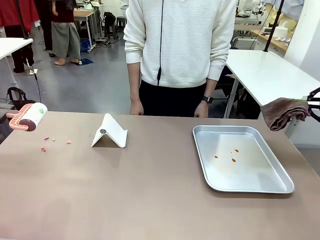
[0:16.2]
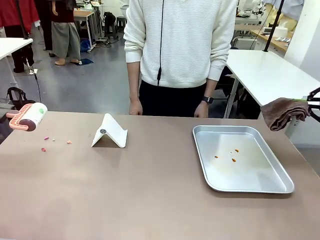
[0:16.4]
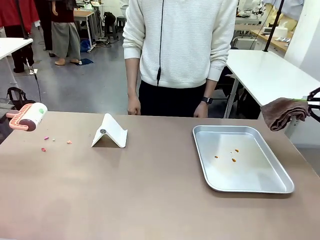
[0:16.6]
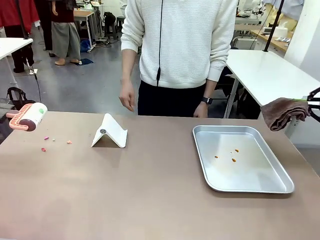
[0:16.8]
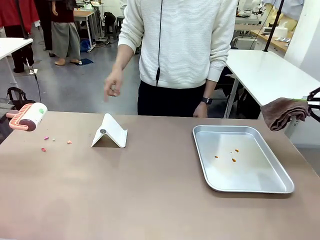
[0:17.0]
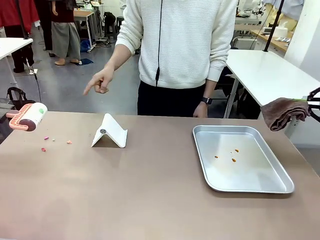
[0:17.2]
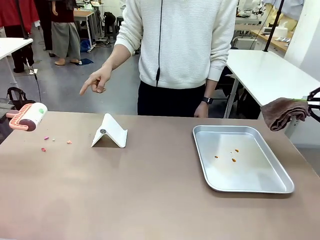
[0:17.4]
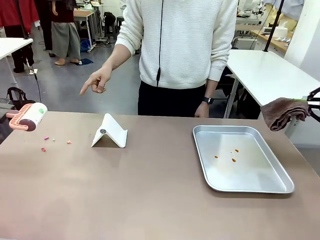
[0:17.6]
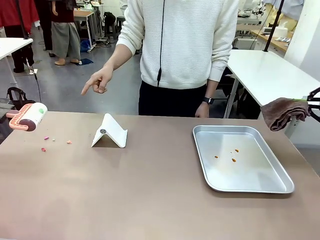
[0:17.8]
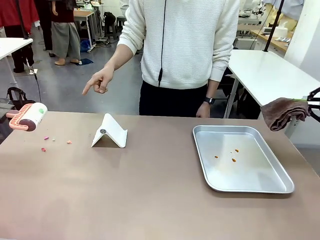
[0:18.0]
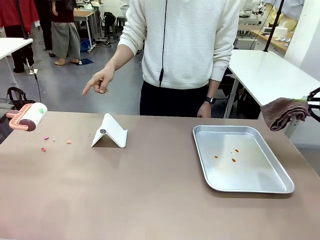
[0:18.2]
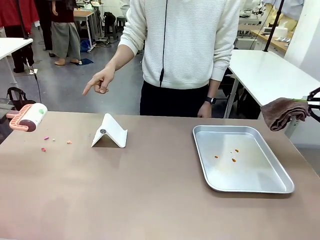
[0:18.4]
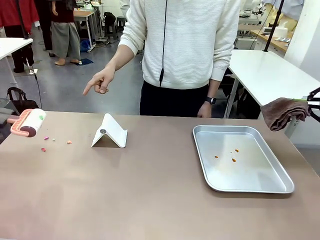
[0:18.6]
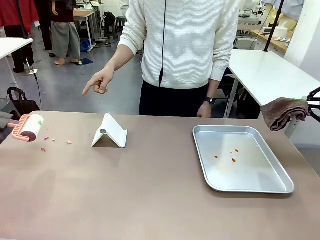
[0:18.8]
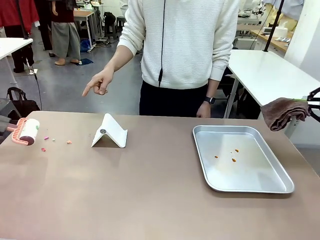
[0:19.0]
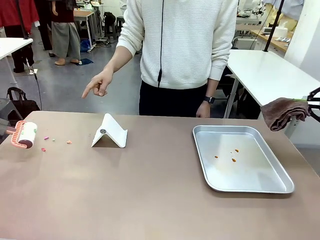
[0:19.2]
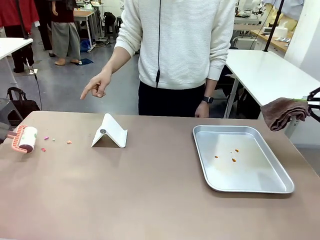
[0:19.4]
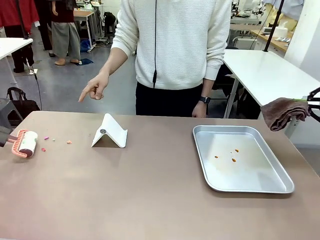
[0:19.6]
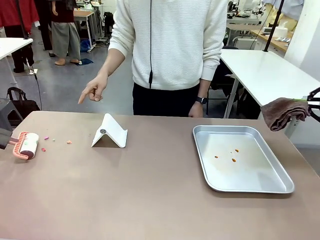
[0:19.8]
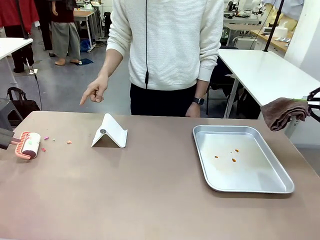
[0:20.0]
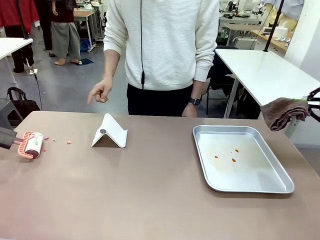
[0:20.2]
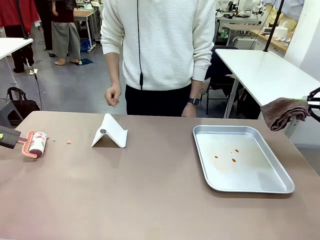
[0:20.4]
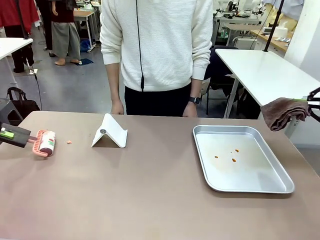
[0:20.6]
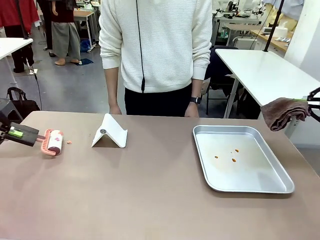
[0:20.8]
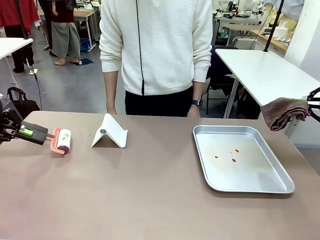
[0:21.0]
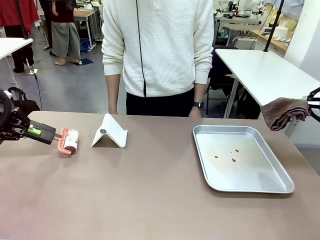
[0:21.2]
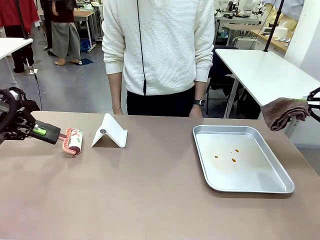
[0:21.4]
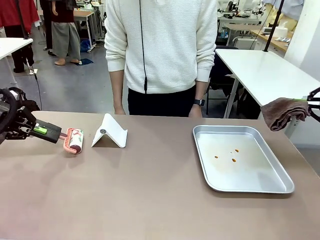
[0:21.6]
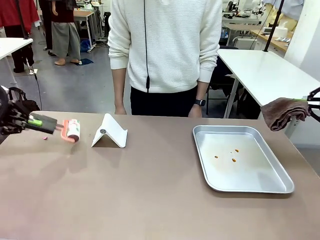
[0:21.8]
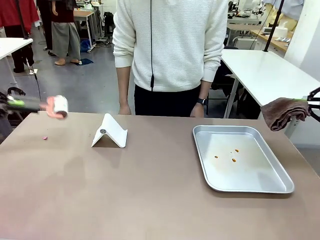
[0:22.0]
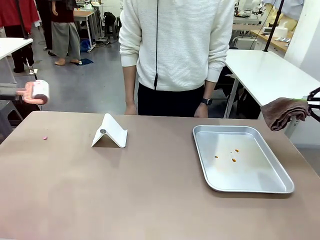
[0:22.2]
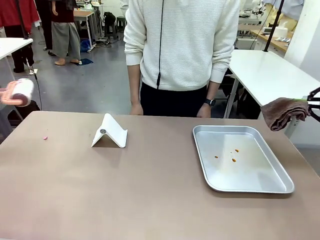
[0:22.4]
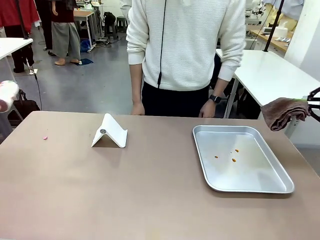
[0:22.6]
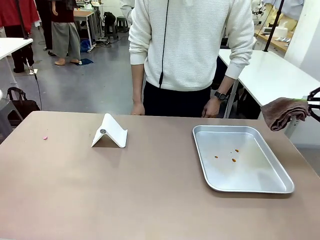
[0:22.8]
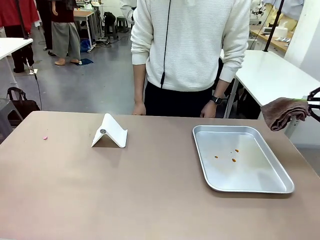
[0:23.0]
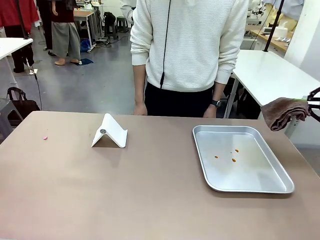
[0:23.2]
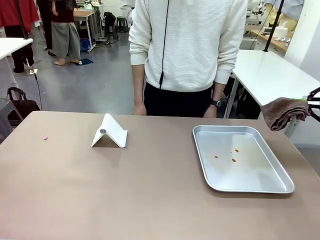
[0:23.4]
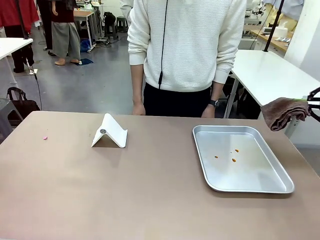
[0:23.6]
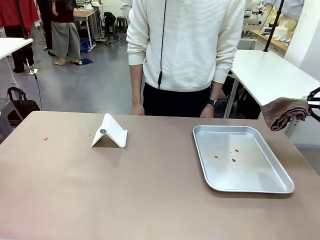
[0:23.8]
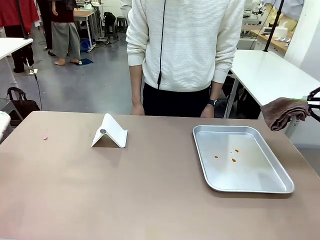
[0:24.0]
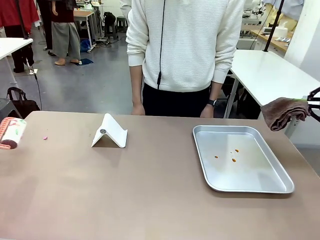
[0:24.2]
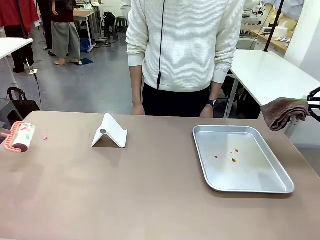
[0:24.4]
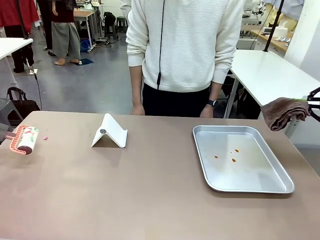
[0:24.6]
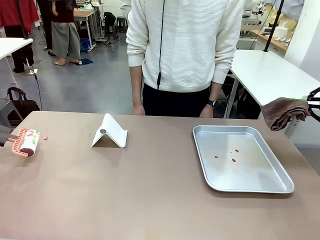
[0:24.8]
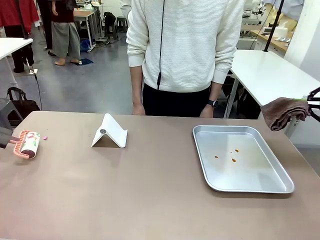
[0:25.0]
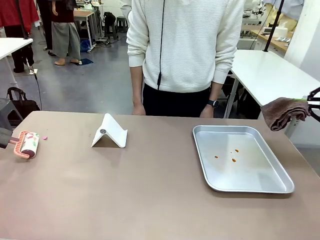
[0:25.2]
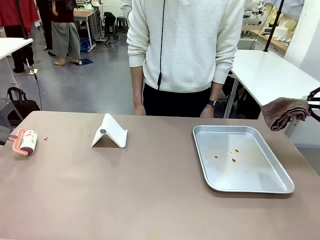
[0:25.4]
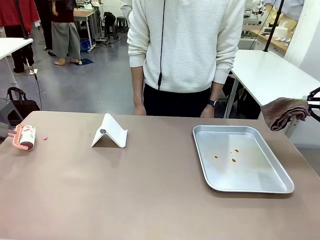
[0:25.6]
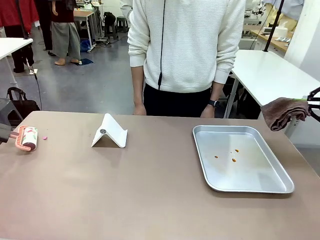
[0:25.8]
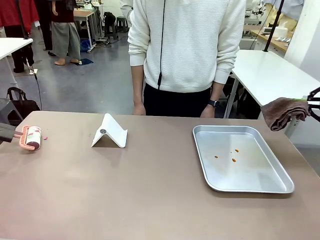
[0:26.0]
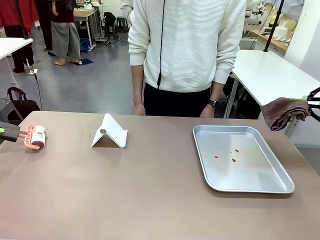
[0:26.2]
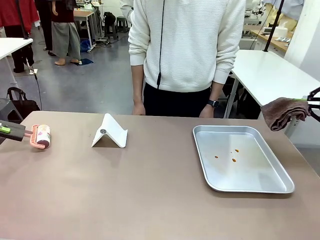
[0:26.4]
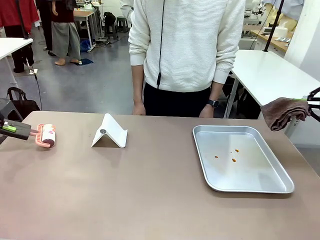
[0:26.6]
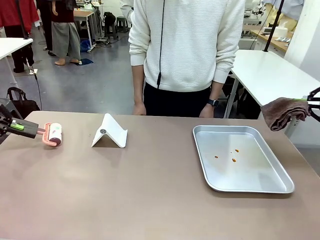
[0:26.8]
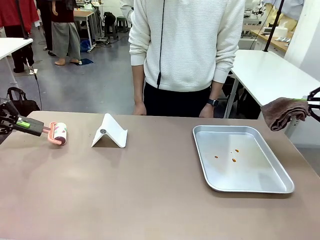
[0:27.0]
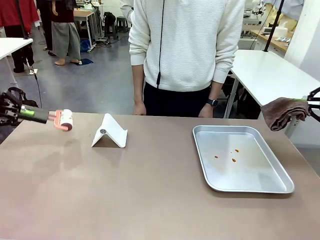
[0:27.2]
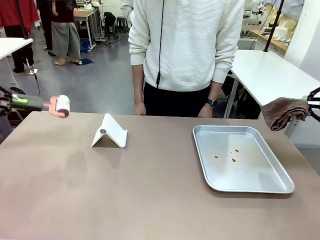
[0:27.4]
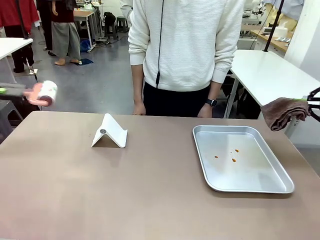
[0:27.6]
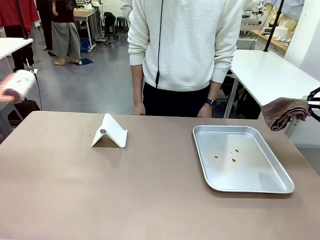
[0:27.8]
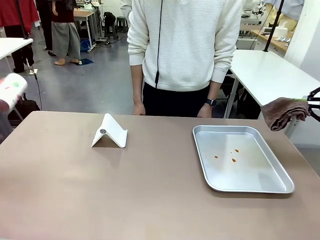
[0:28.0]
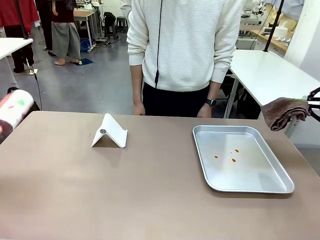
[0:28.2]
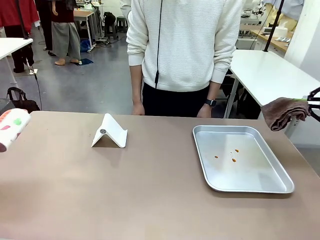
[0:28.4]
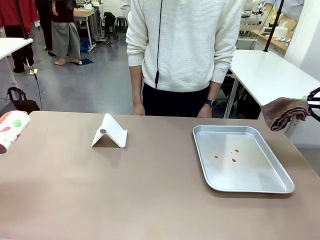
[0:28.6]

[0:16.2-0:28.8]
Task: Clean the surface of the table.
Robot: If a person points to the right, clean the right side of the table with your right hand, and if they point to the left, clean the left side with your left hand.

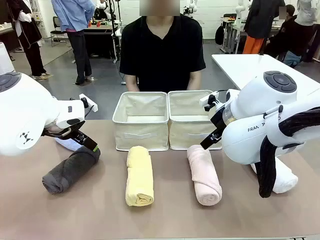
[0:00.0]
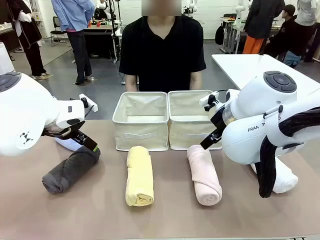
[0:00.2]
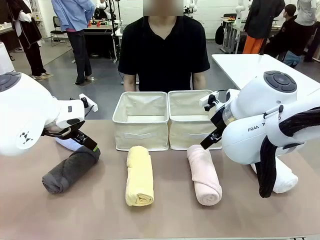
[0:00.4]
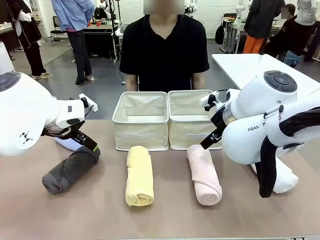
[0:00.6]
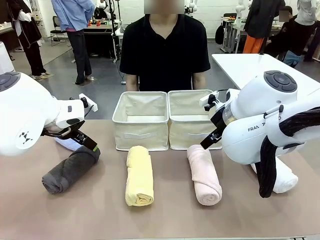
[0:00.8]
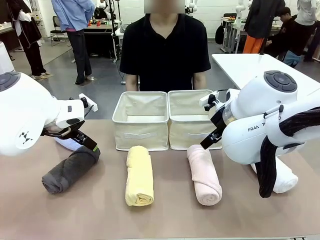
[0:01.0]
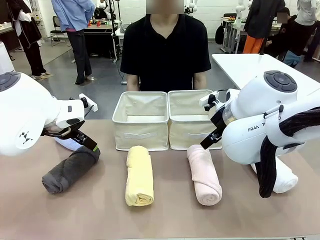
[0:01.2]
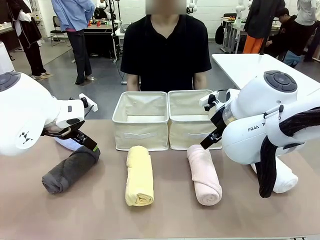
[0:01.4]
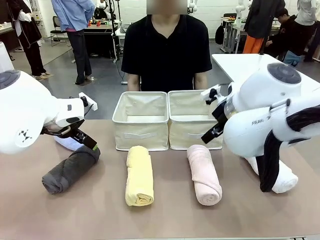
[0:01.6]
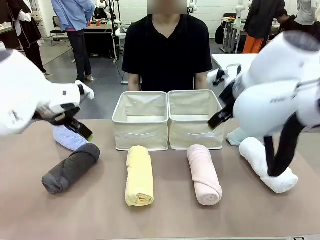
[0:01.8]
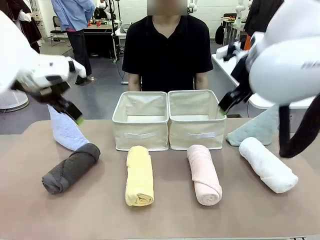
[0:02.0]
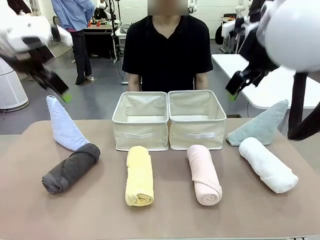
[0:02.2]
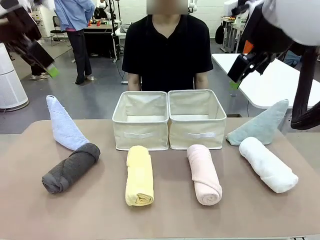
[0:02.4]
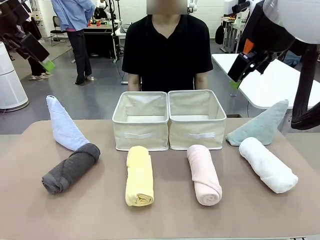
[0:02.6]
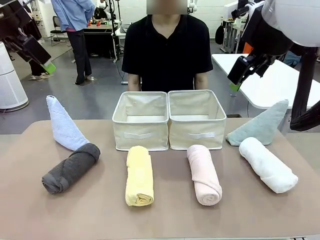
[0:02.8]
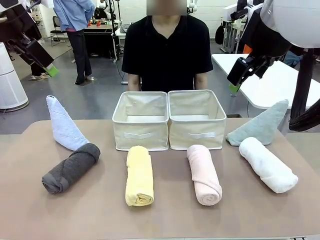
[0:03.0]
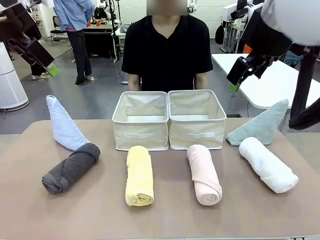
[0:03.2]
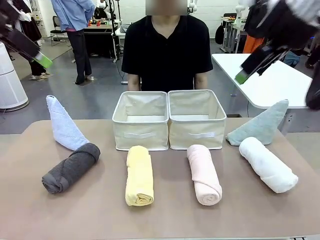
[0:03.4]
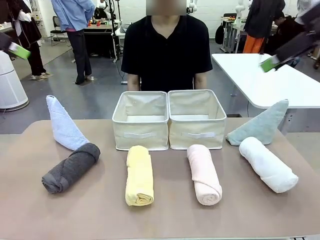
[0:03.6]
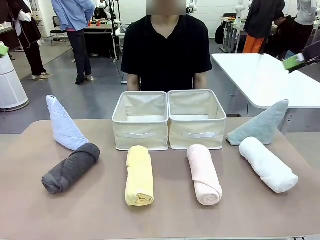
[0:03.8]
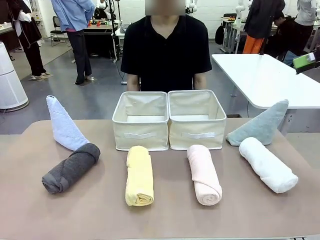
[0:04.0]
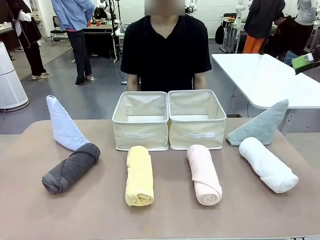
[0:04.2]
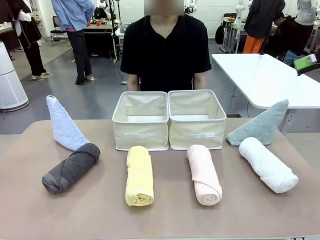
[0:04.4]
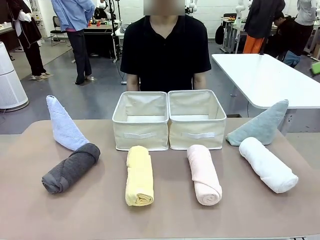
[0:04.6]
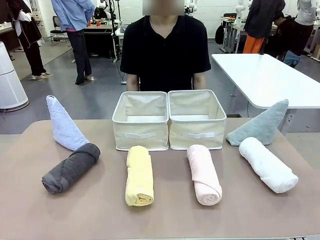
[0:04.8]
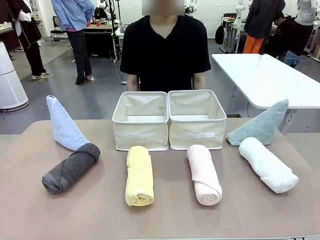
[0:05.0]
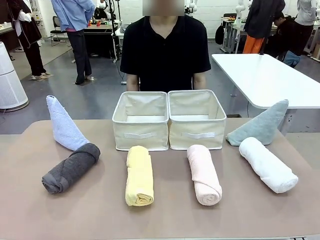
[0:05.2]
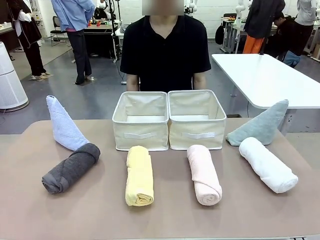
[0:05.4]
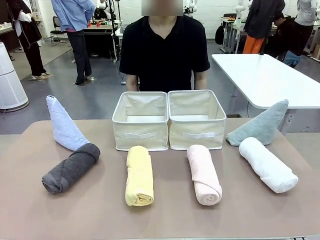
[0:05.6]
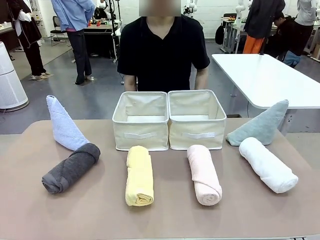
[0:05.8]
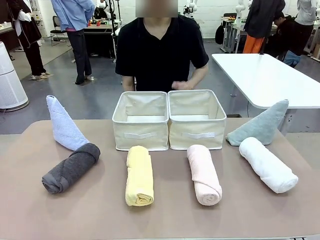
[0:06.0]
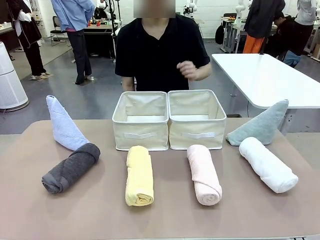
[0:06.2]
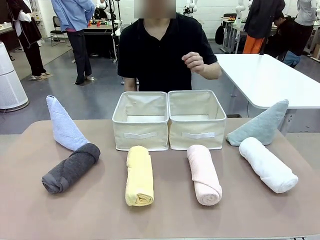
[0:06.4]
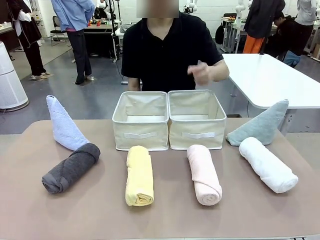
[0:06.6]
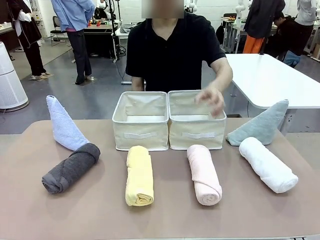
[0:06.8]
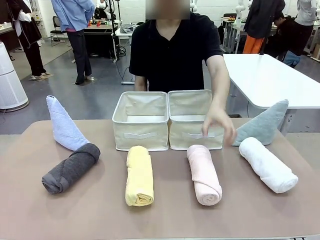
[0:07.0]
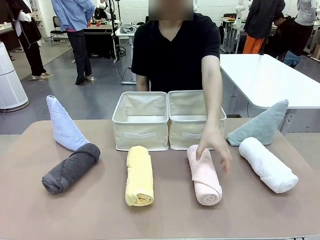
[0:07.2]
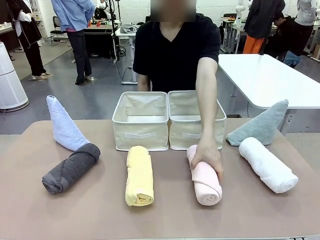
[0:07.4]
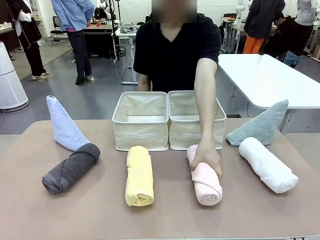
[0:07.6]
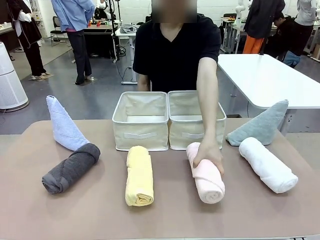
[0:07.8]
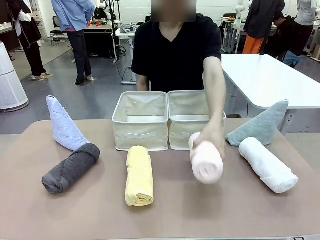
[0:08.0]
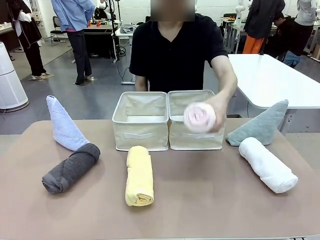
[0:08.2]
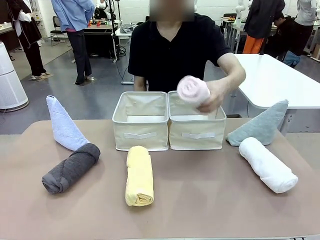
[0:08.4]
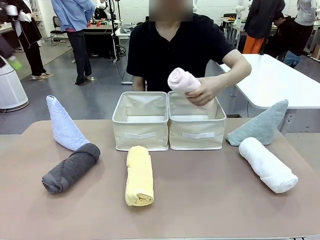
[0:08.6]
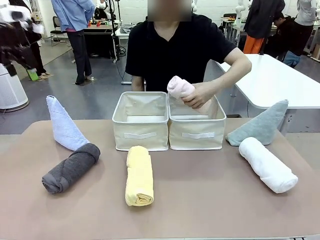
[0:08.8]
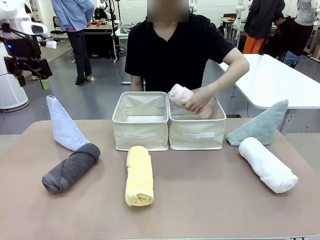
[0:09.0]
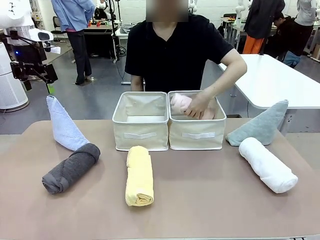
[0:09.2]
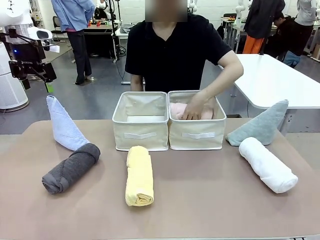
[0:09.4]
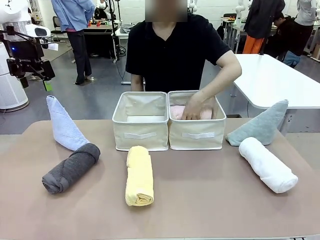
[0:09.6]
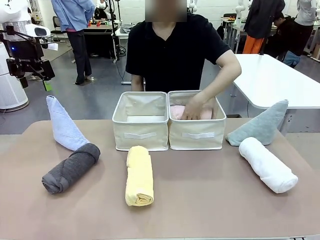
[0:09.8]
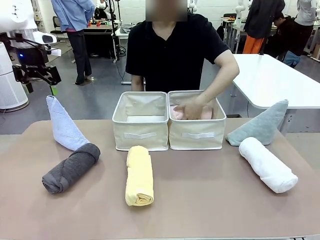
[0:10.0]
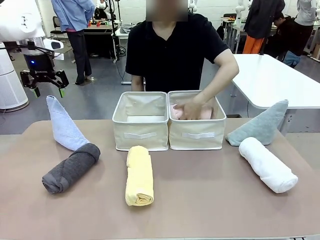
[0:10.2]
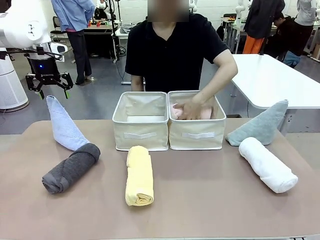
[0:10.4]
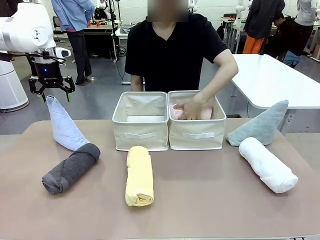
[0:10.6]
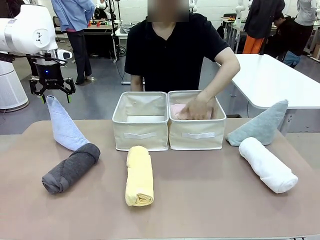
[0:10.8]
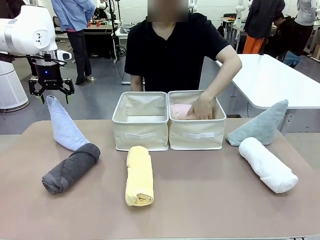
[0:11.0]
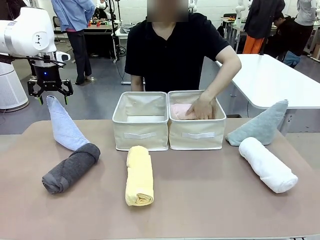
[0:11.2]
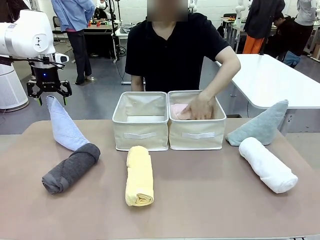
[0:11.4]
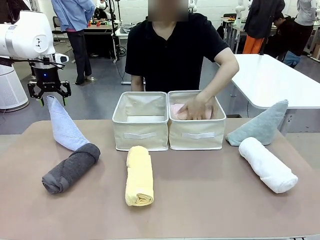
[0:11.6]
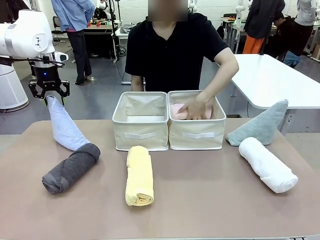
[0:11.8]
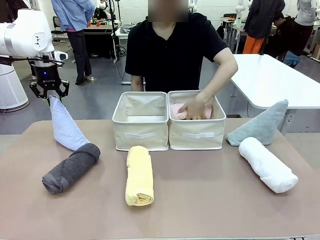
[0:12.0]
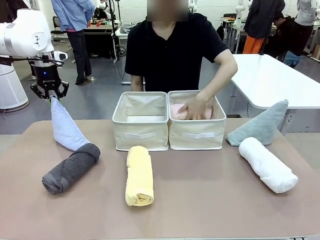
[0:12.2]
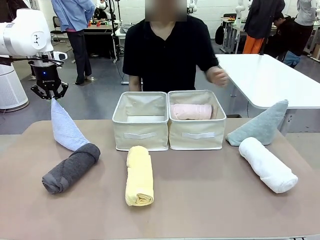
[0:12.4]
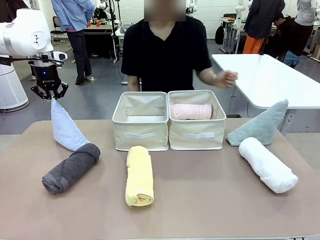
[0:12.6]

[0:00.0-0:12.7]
Task: Sort the towels based on their folding style.
Robot: Pick up one triangle-folded towel and place it in the left Fabric basket.
Person: Pick up one hotel-style rolled towel and place it in the left fabric basket.
